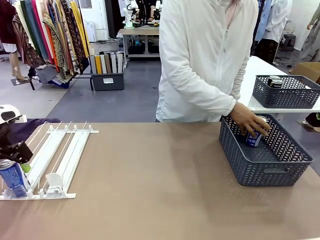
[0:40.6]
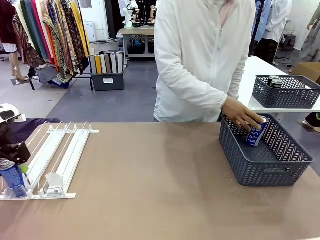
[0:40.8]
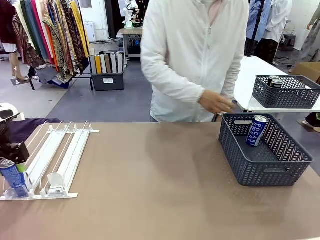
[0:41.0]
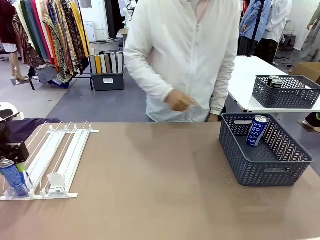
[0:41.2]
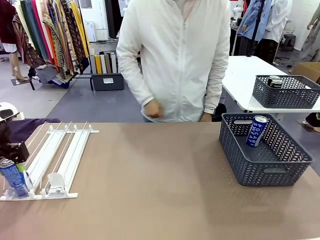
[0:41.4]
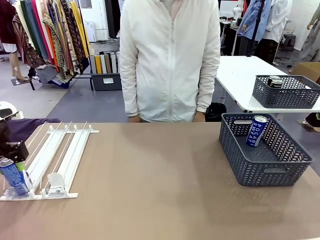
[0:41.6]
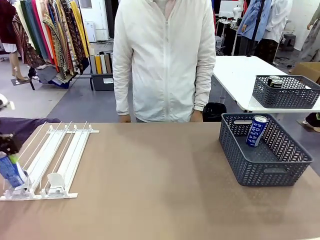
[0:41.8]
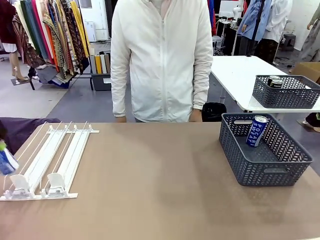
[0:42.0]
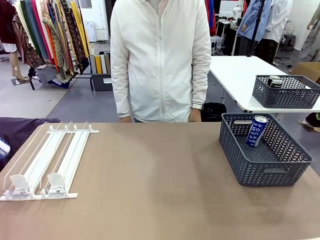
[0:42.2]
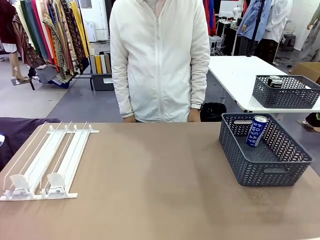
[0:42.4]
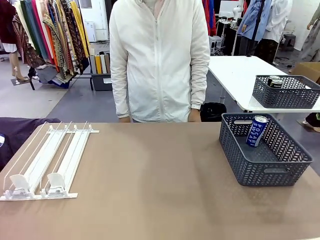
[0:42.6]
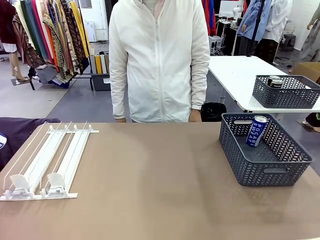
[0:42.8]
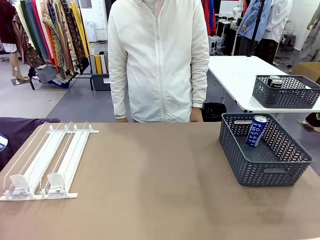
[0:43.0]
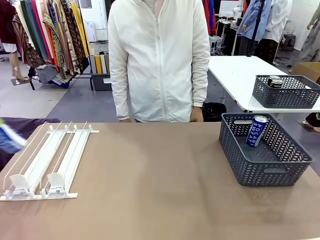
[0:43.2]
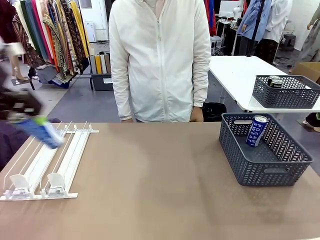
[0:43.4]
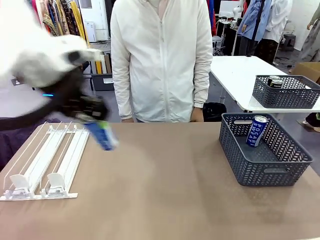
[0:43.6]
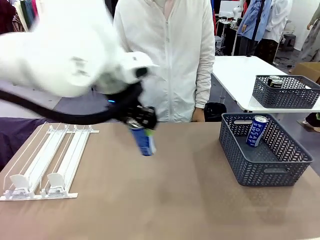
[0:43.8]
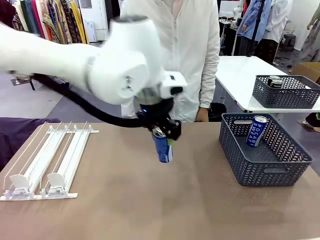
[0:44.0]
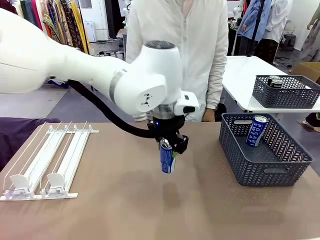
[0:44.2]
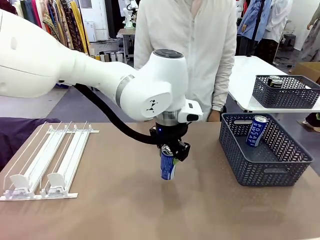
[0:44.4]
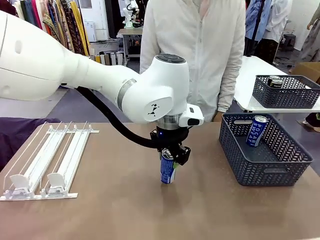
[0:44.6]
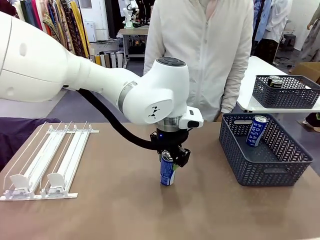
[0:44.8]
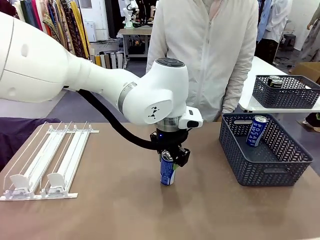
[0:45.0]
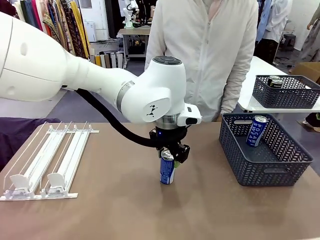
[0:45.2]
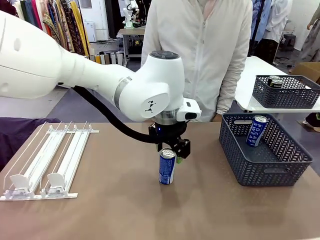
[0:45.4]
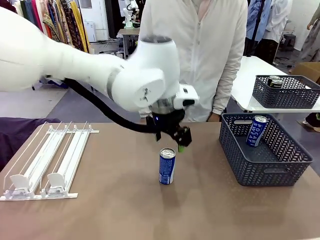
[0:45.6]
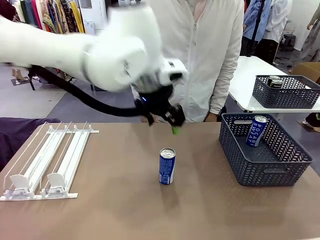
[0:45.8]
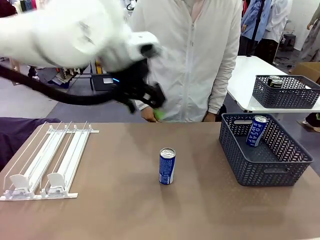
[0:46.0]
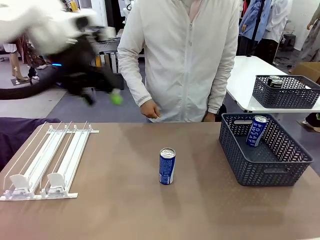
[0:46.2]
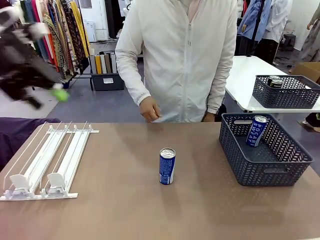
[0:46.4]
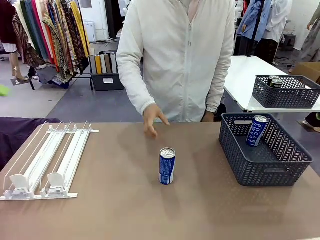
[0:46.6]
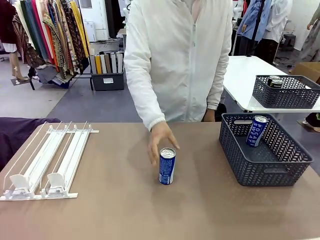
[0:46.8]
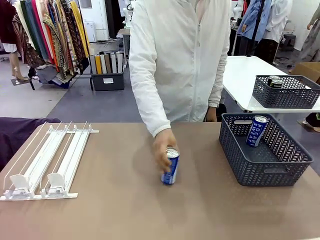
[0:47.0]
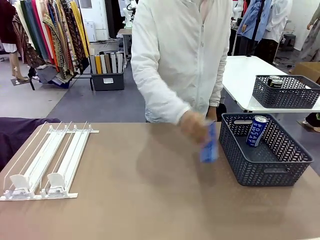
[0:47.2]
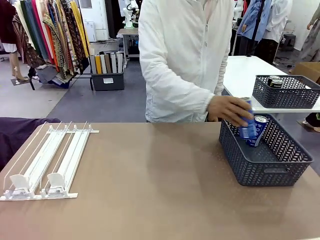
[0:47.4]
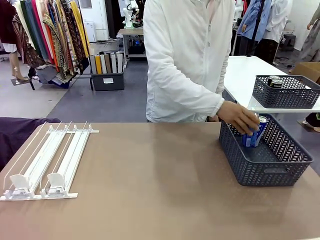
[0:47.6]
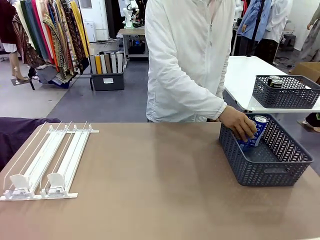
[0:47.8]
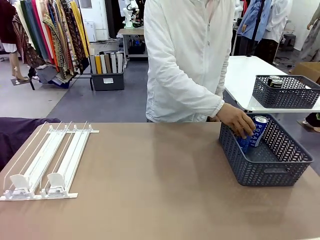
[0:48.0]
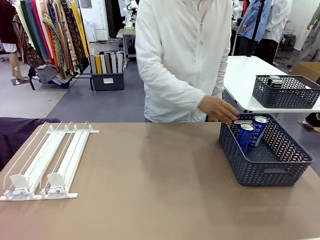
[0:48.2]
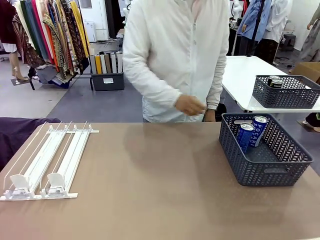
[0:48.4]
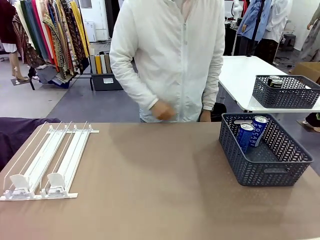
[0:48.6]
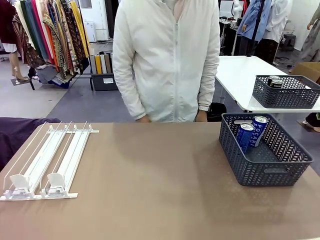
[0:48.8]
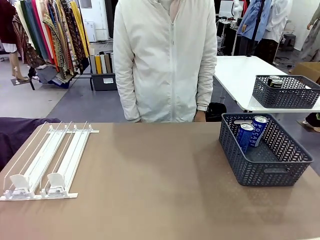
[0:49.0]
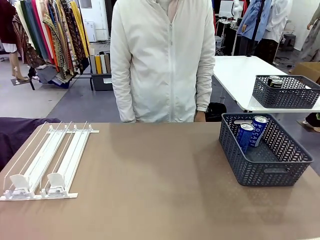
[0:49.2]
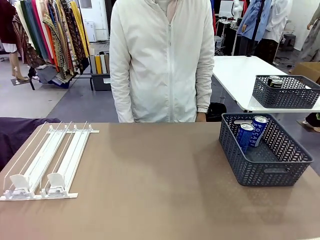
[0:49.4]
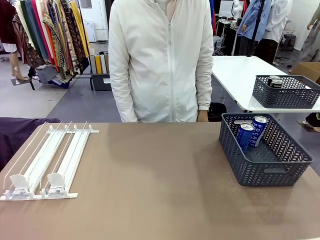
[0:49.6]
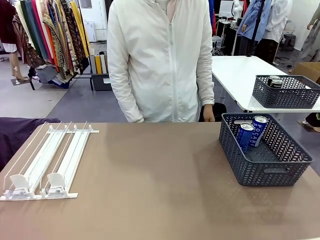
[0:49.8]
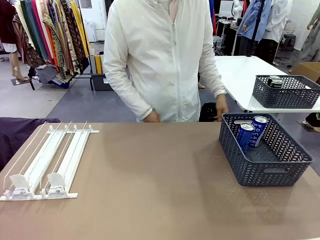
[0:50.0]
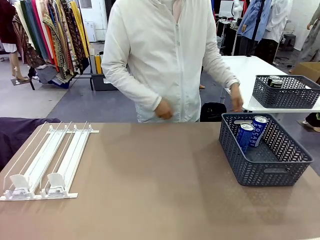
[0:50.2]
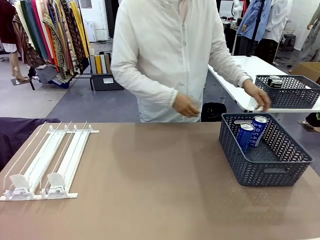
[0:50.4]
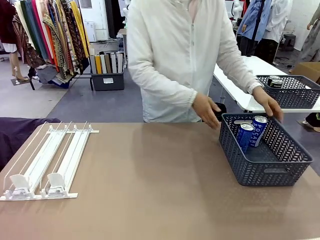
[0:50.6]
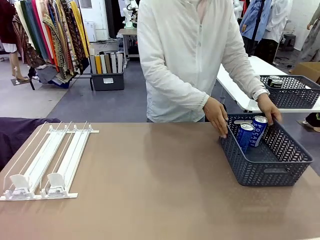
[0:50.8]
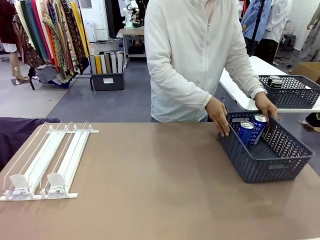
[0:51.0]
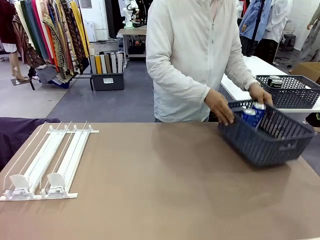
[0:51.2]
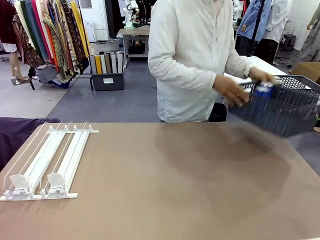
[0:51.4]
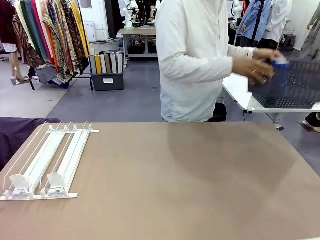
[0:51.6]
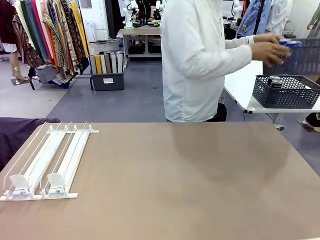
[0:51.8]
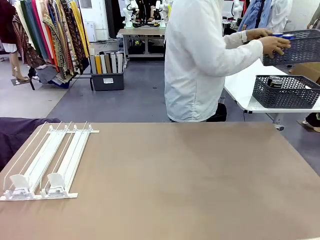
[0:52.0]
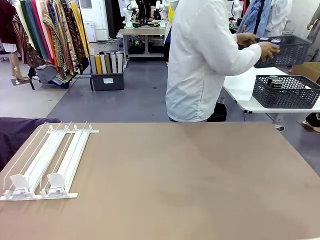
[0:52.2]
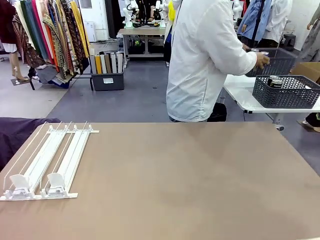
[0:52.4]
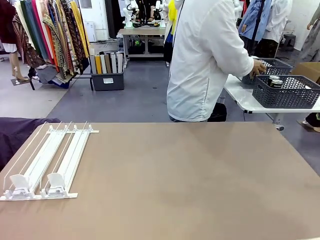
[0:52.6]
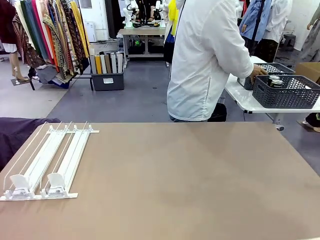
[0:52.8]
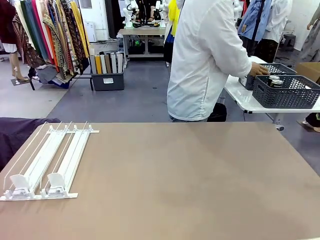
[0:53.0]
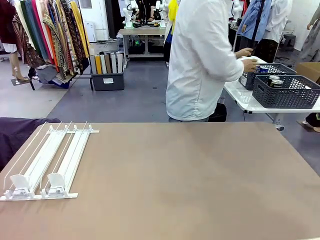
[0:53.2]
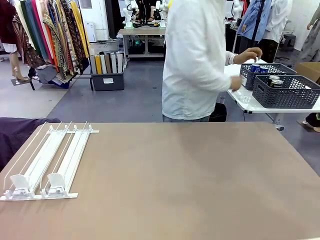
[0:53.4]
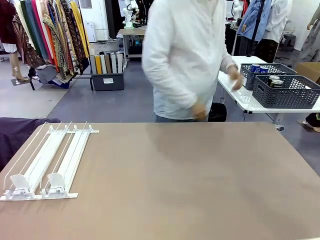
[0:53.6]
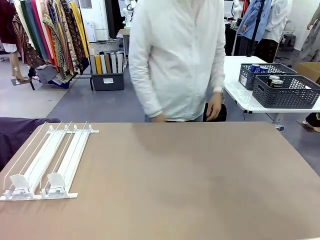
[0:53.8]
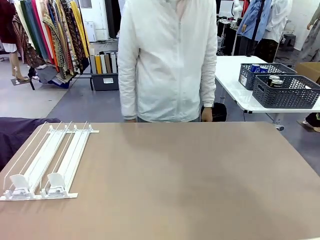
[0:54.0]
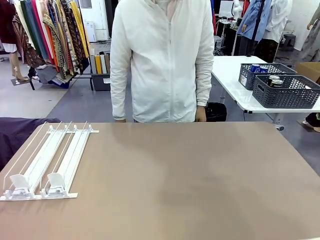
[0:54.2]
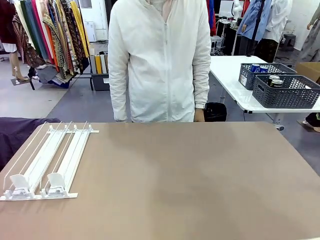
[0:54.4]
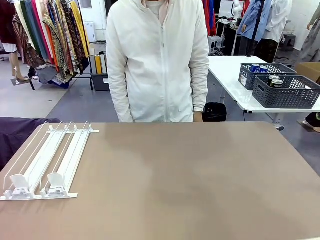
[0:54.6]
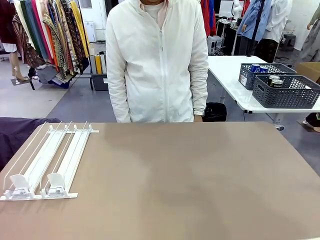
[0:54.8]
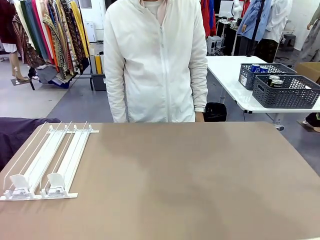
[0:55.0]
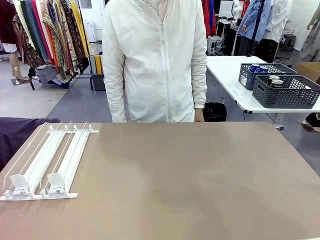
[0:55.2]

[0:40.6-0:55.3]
Task: Retrieve and store the cans from the dispenser.
Robot: Pick up one can from the Automatic Can Dispenser and place it in the middle of the table.
Person: Pick up one sports drink can from the middle of the robot table and place it in the basket. Pick up the basket and place it in the middle of the human table.

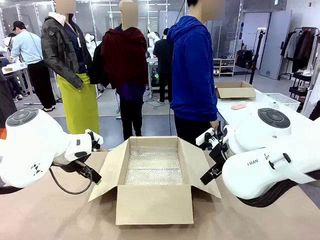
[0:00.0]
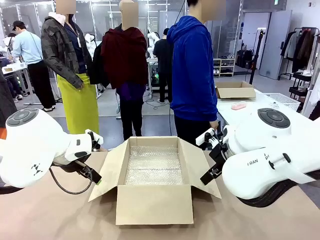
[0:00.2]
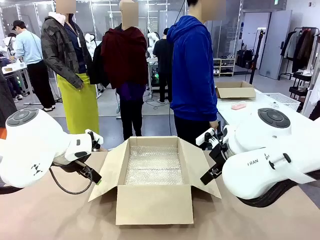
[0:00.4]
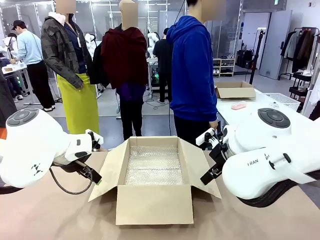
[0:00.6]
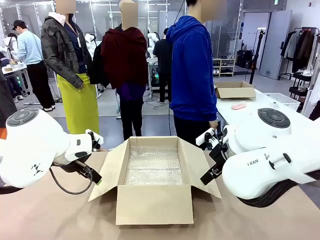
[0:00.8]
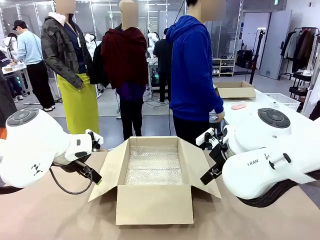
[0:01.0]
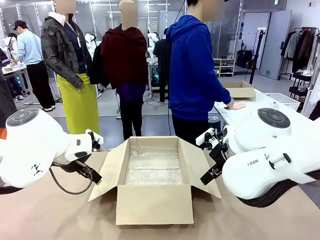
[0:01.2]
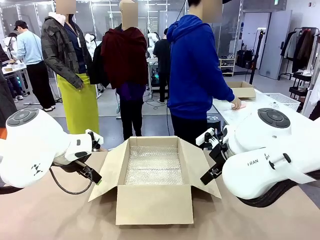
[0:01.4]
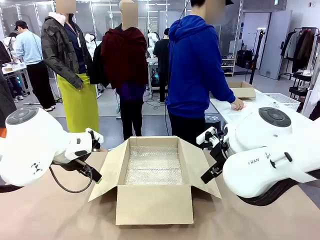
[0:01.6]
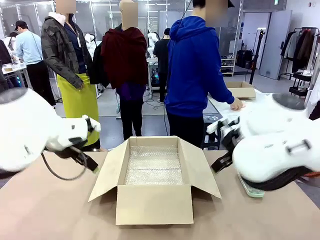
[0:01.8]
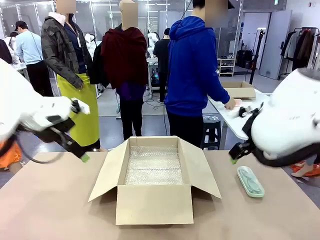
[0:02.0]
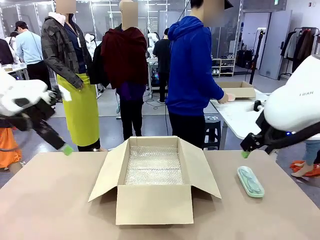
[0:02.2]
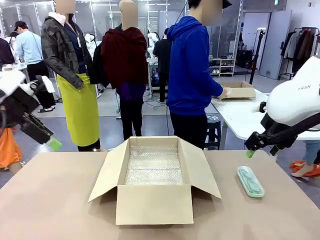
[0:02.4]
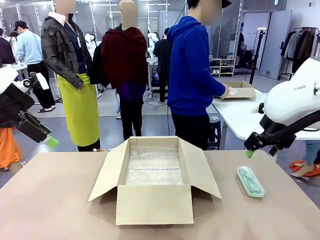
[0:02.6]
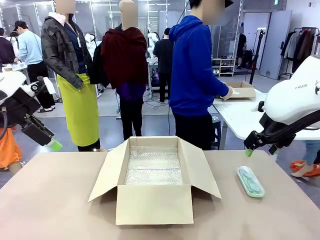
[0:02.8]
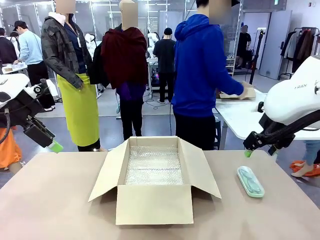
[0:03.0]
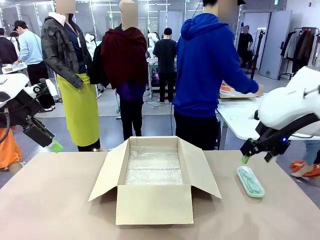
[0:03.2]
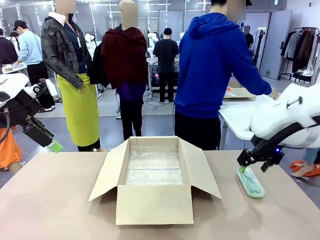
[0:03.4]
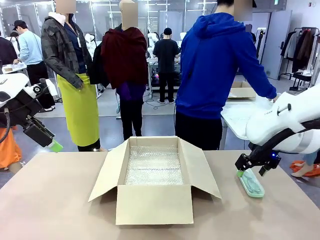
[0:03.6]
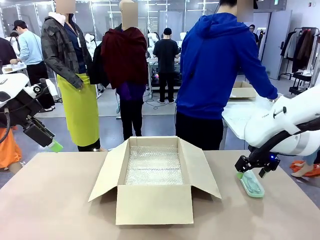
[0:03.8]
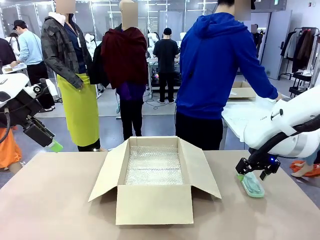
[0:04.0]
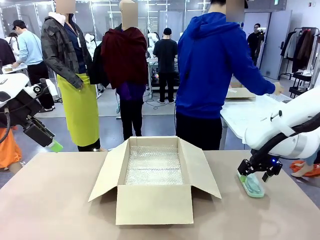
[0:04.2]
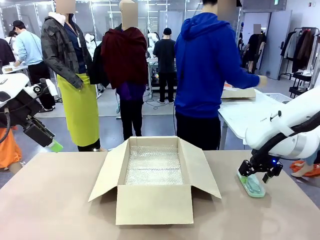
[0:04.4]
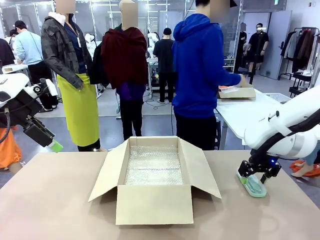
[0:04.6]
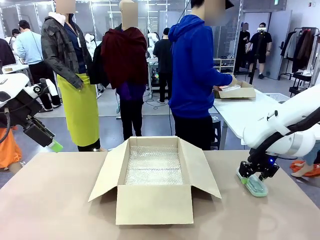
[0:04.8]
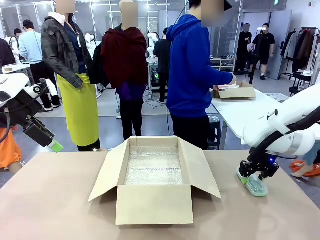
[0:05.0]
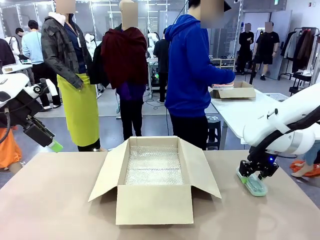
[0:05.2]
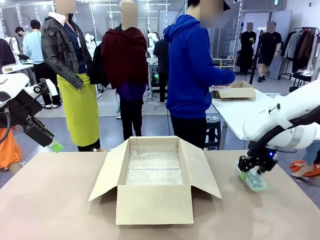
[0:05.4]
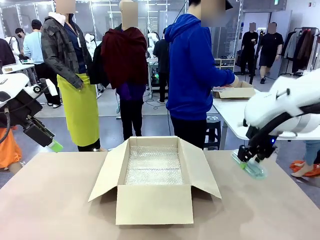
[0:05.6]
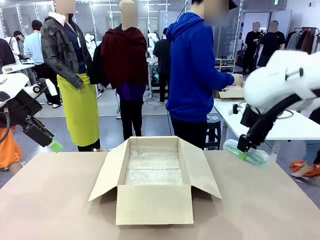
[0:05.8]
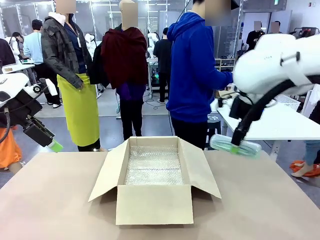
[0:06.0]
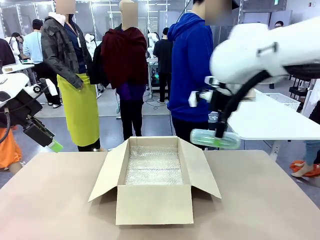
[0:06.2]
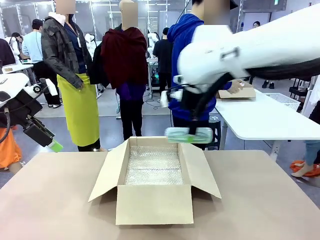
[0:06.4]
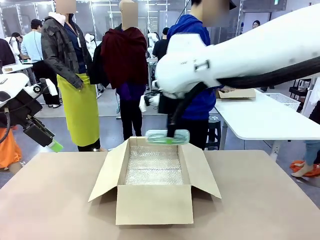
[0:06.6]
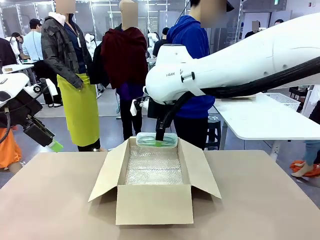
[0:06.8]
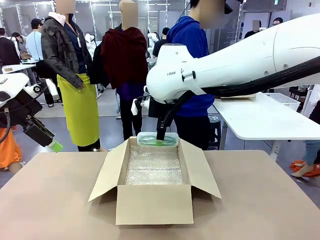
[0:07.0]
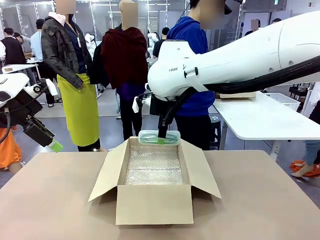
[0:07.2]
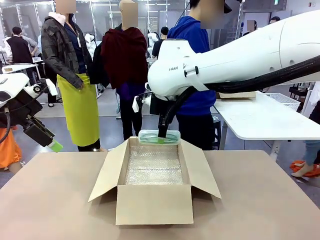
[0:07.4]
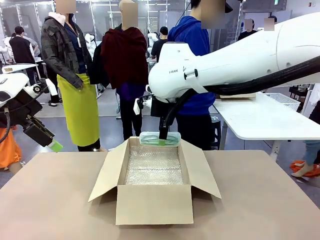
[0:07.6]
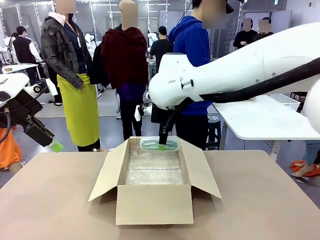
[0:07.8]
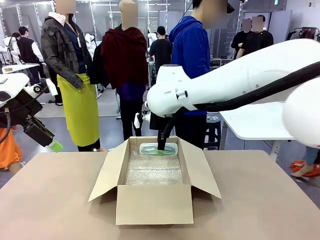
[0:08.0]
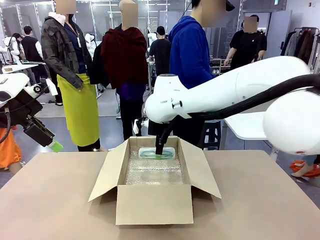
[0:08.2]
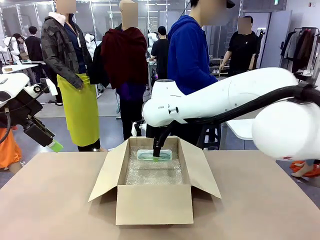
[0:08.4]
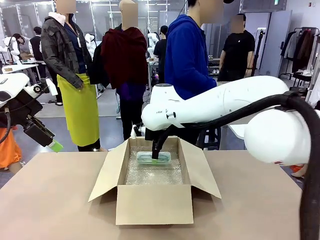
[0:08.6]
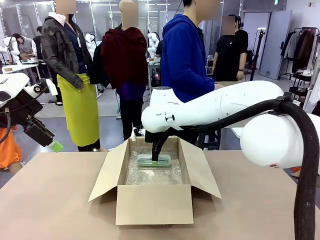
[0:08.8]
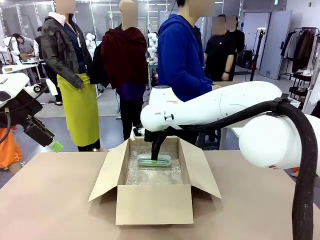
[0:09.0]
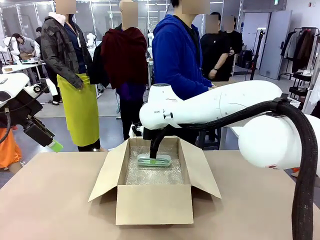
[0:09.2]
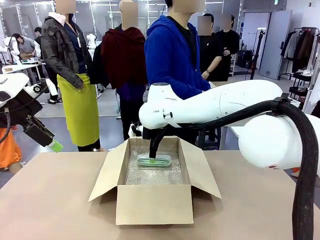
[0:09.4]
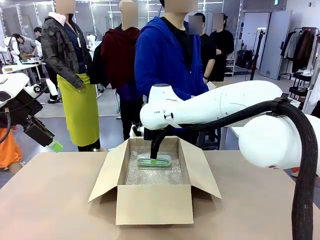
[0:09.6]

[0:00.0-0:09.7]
Task: Pack the glasses set securely to prepare it for shipping.
Robot: Place the Glasses case inside the Package Box.
Person: Place the Glasses inside the Glasses case.
